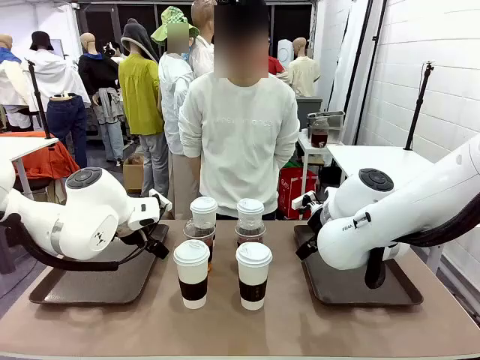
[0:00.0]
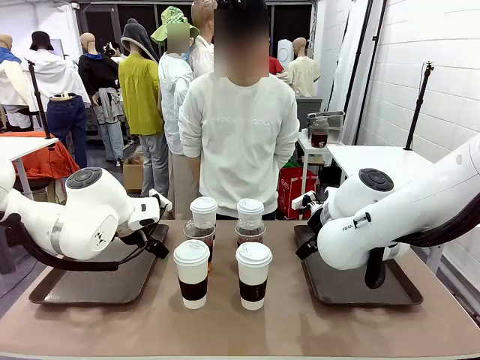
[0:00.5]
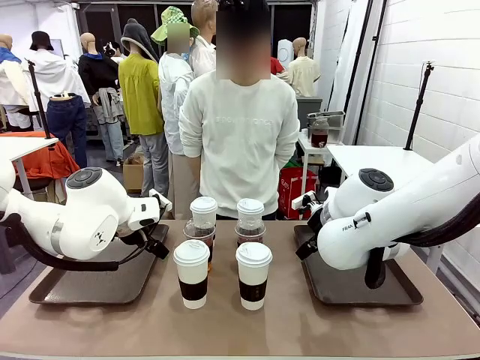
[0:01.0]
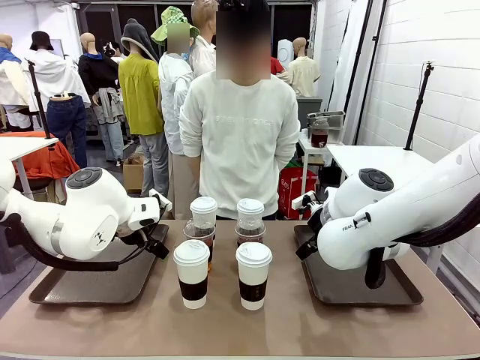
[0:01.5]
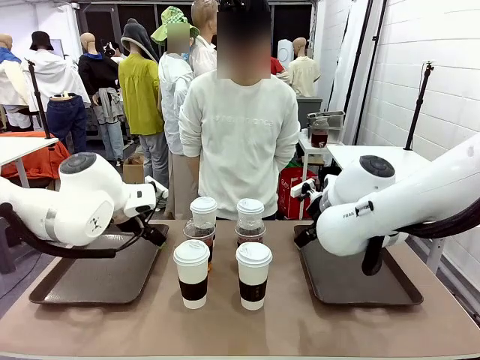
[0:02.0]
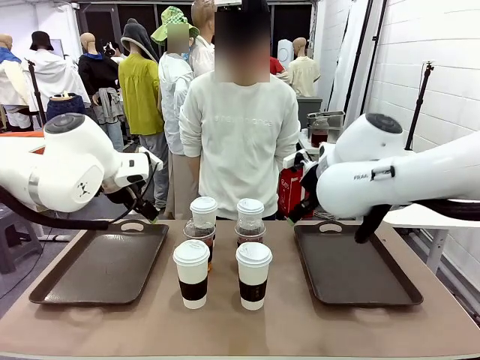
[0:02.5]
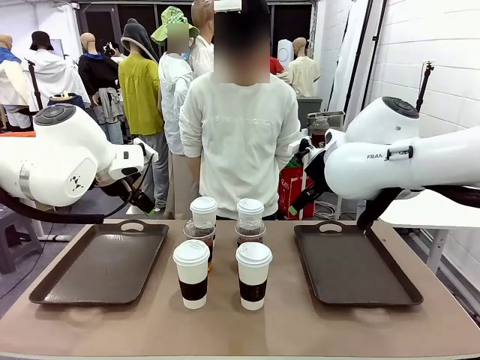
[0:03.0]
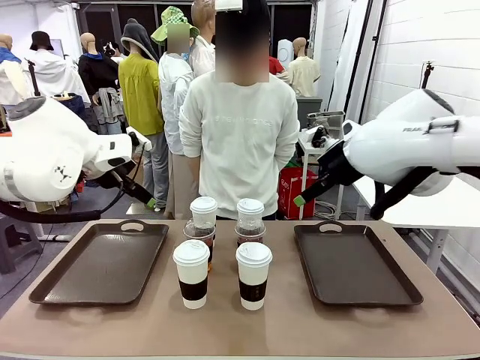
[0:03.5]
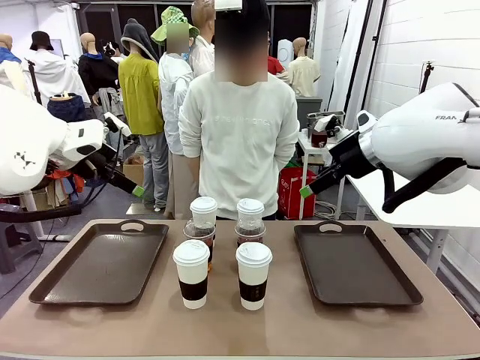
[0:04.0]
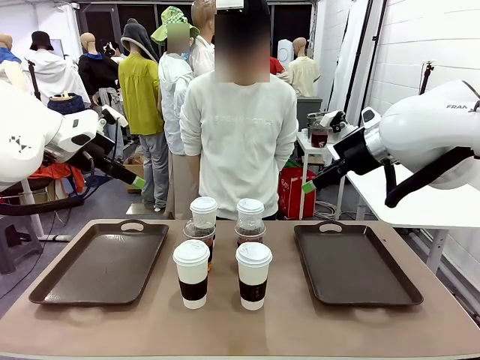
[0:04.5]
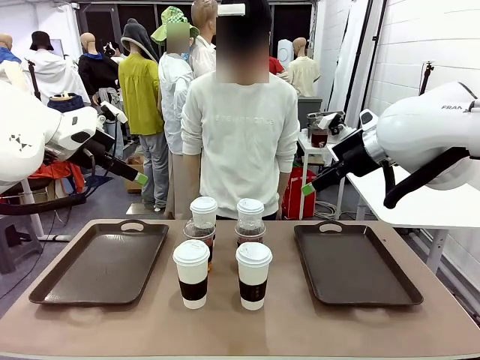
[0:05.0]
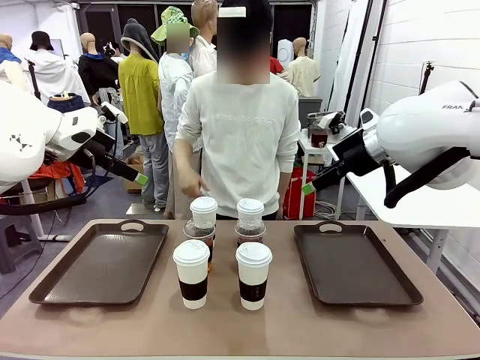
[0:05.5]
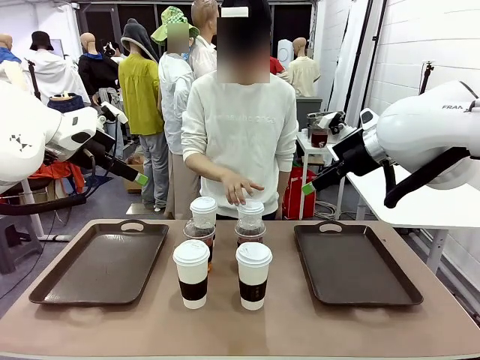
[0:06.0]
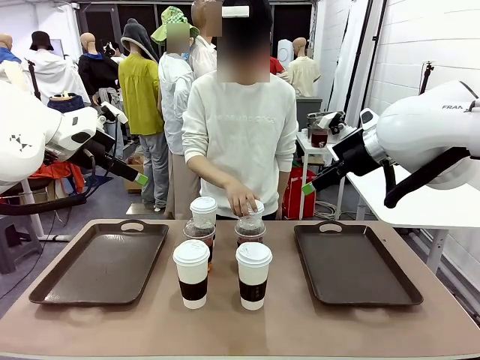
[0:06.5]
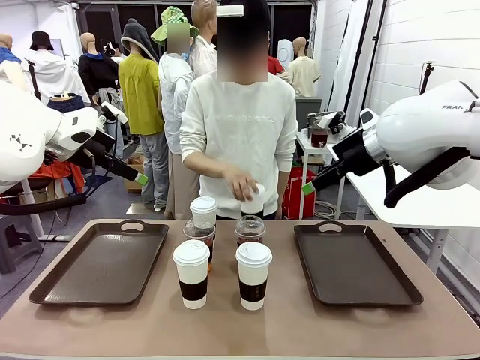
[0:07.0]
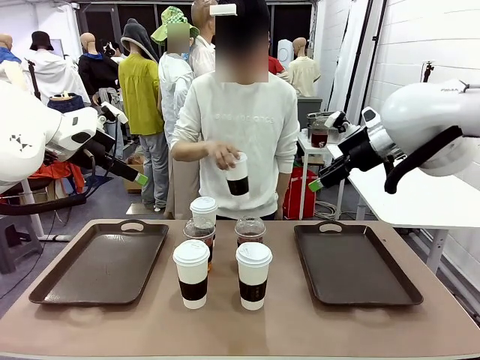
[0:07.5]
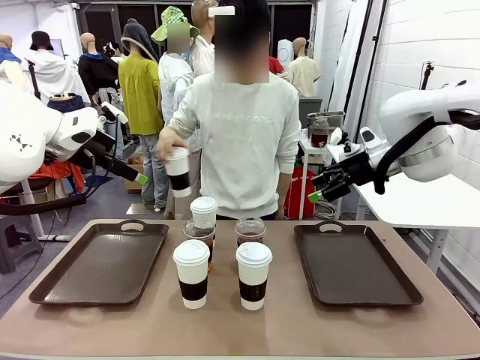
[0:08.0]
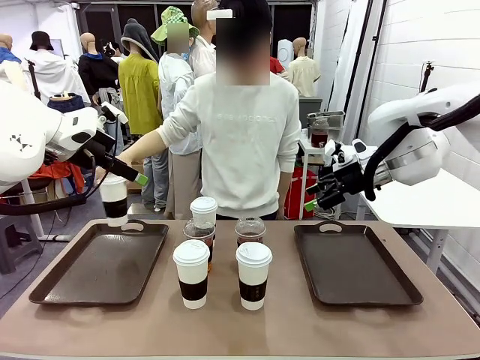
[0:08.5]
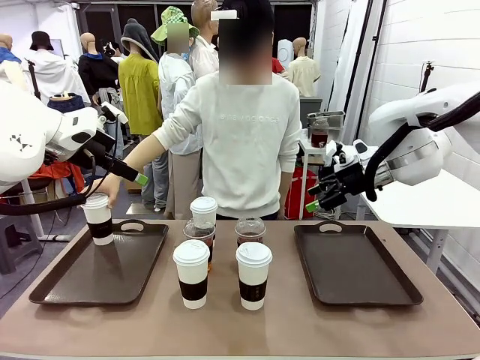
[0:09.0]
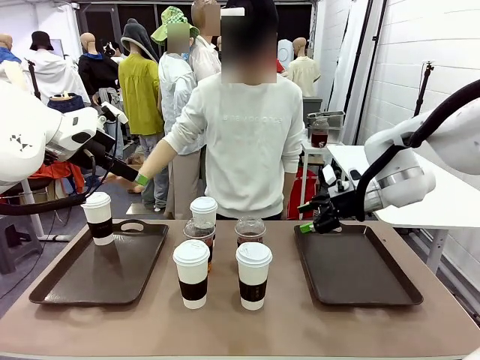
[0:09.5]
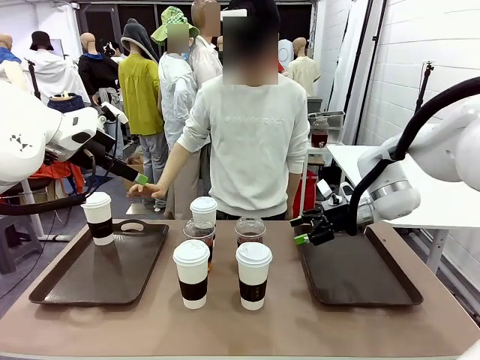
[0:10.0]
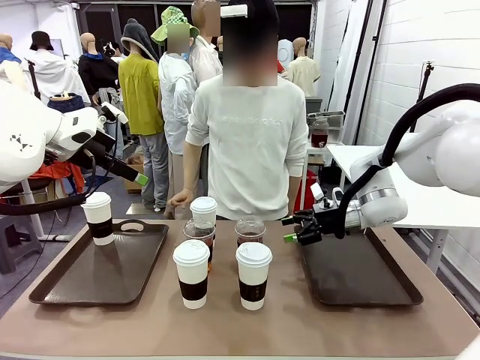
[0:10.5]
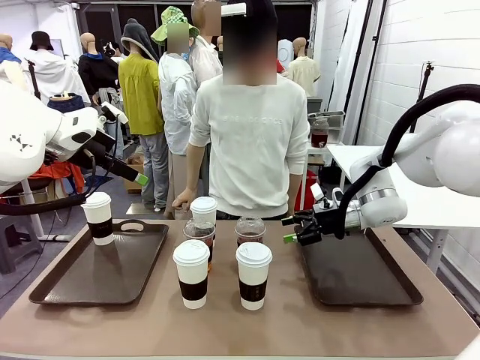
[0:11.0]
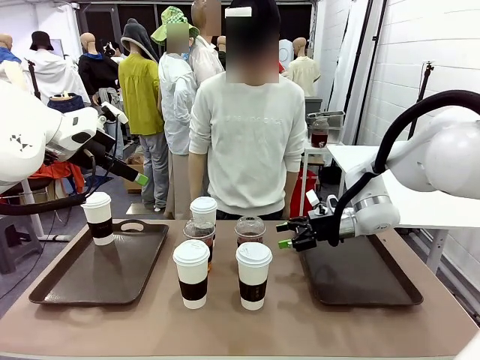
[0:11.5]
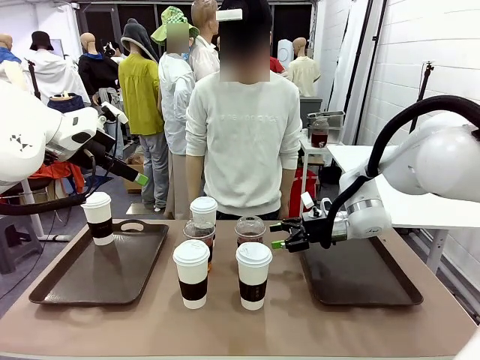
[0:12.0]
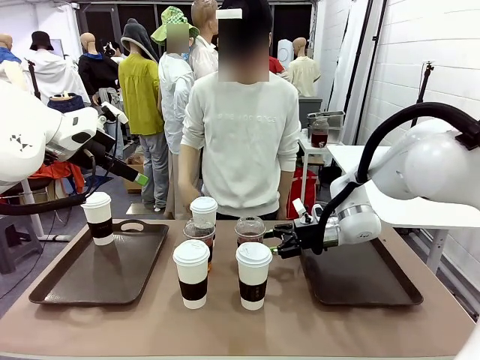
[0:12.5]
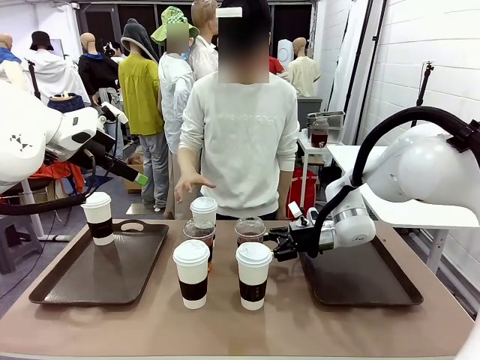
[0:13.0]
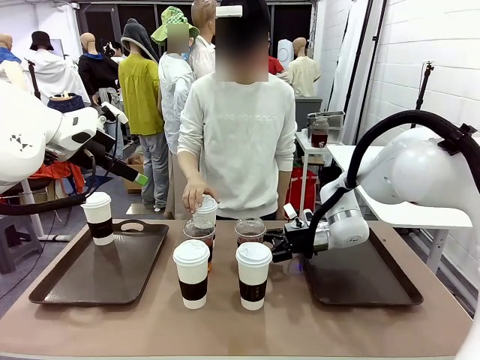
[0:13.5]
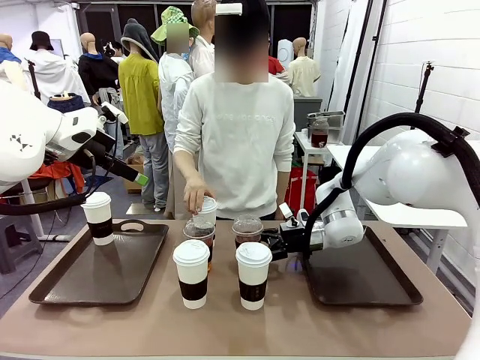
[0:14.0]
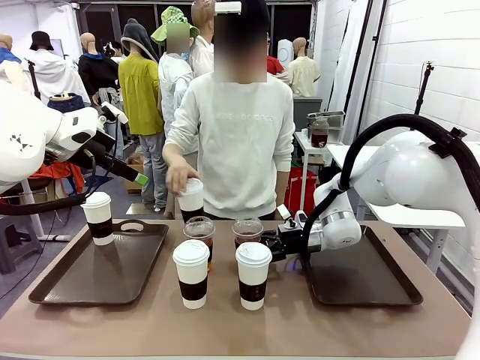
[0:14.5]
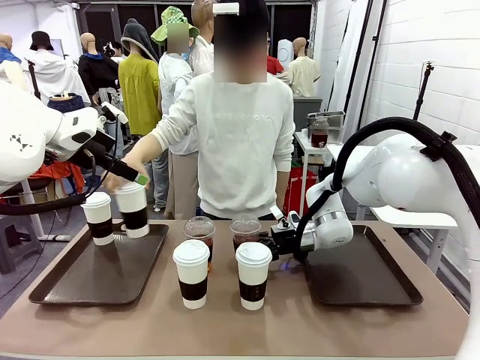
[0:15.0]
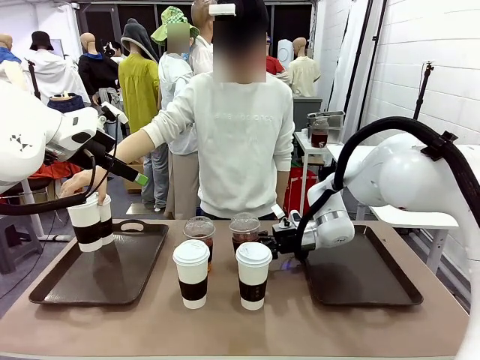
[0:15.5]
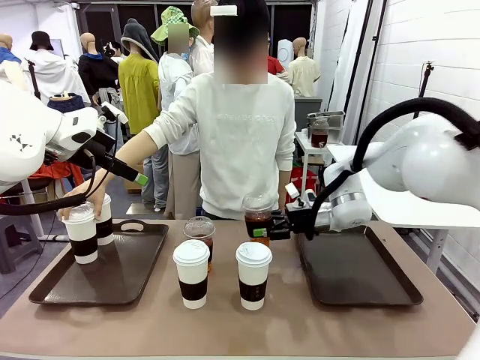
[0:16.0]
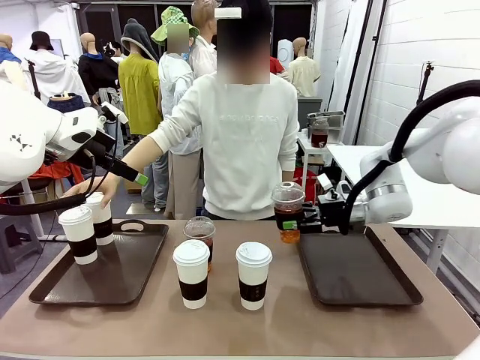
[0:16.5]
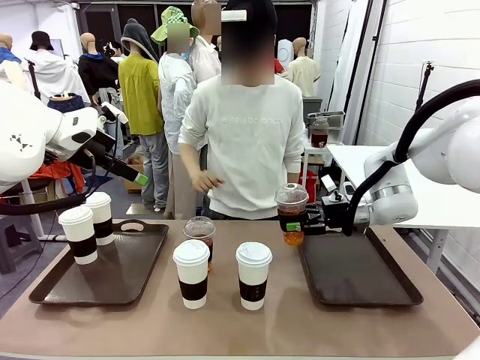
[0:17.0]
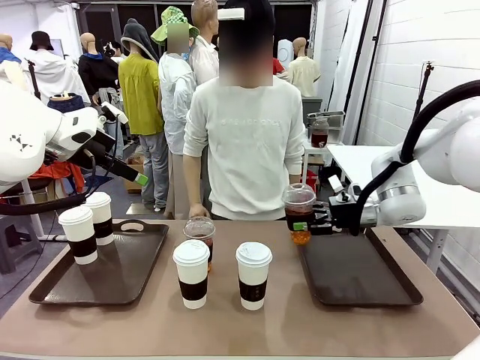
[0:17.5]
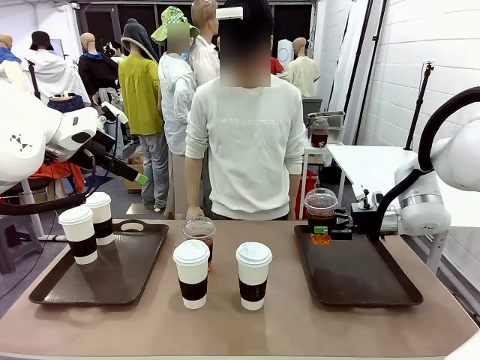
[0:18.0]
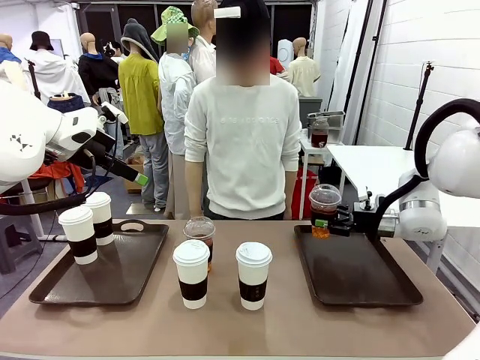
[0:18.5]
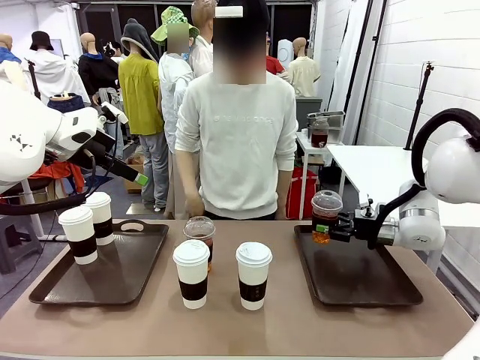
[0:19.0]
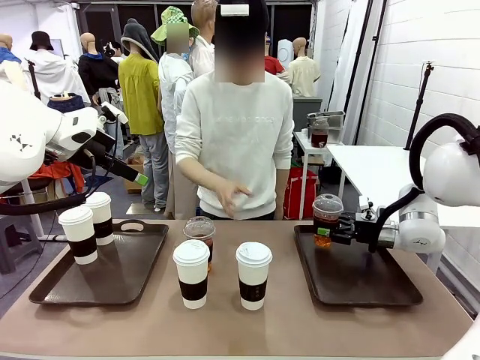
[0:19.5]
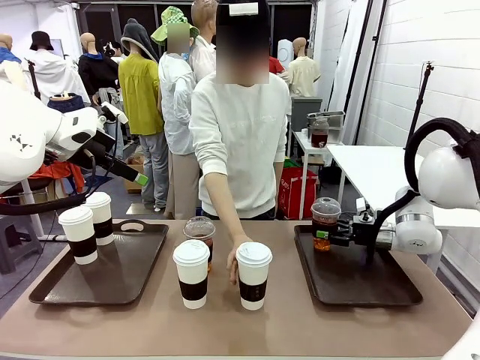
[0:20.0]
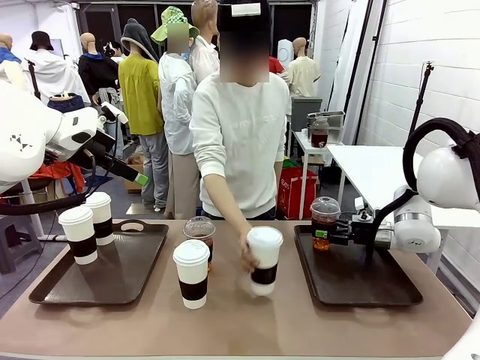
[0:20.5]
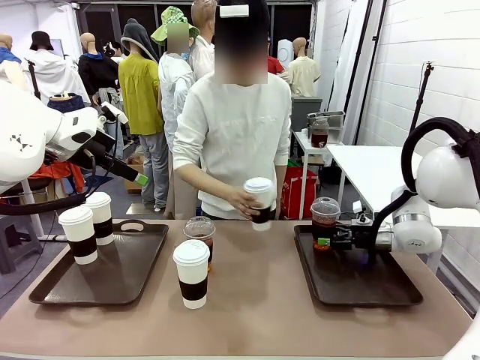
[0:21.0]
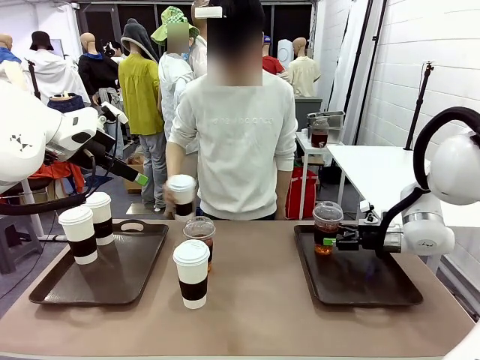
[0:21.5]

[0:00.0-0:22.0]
Task: Distribute the coffee onto the tray.
Robot: Pick up one iced Americano and place it on the right Handle tray.
Person: Pick up a cup of hot Americano and place it on the right tray.
